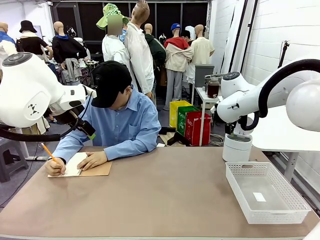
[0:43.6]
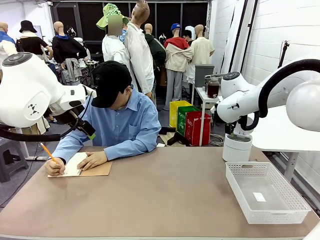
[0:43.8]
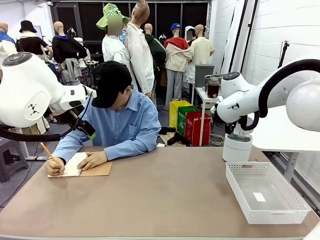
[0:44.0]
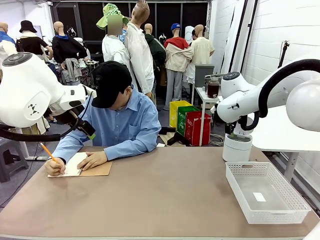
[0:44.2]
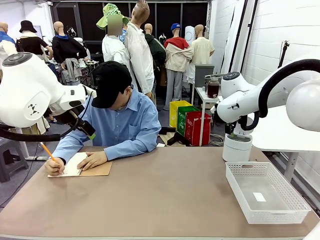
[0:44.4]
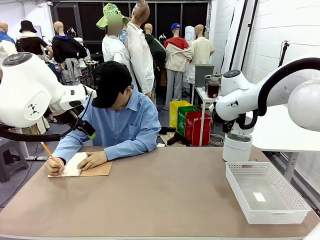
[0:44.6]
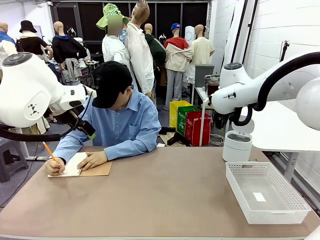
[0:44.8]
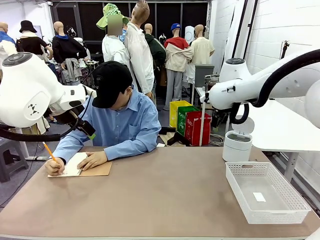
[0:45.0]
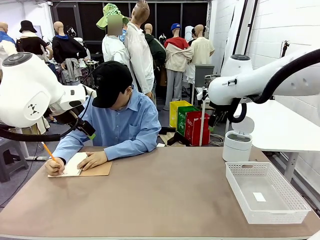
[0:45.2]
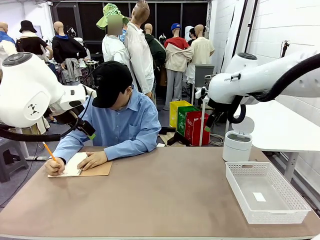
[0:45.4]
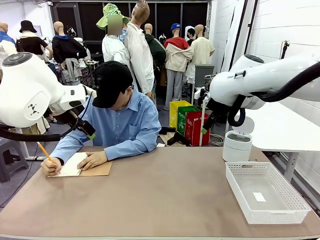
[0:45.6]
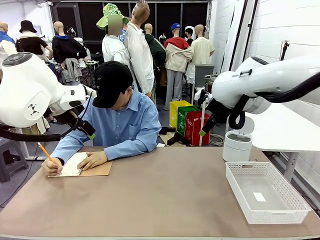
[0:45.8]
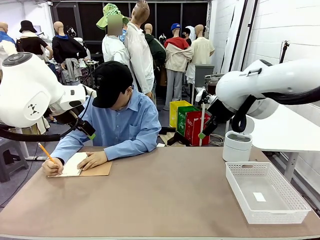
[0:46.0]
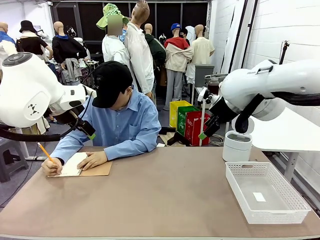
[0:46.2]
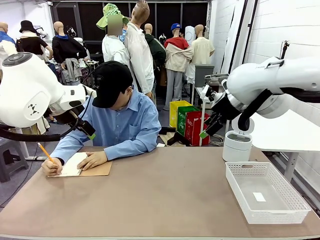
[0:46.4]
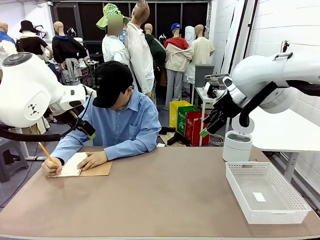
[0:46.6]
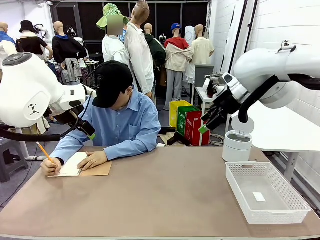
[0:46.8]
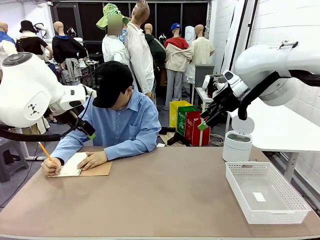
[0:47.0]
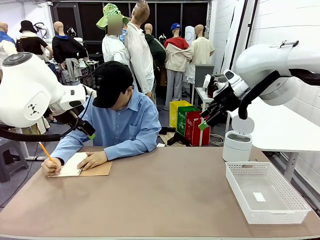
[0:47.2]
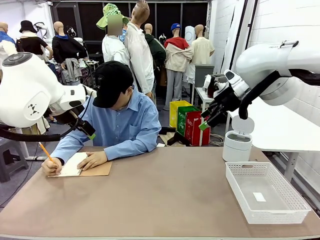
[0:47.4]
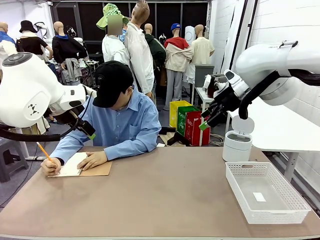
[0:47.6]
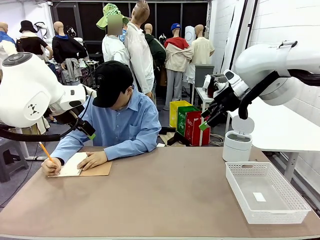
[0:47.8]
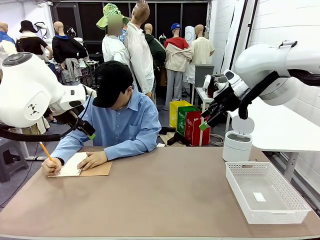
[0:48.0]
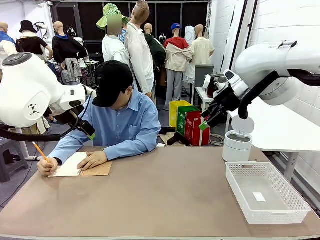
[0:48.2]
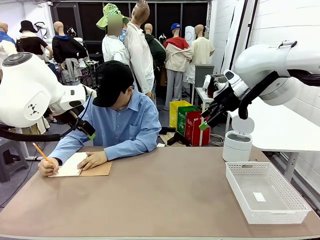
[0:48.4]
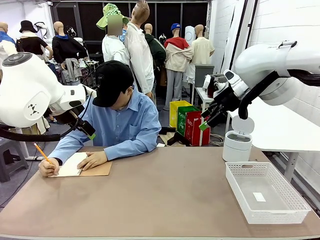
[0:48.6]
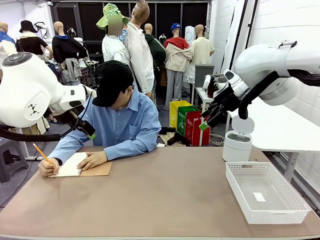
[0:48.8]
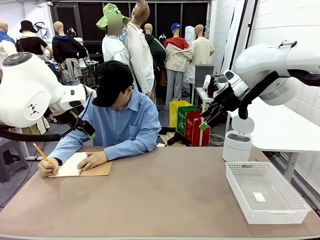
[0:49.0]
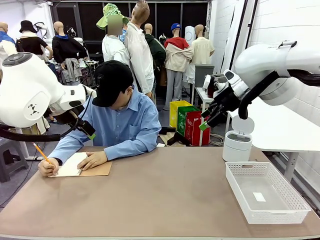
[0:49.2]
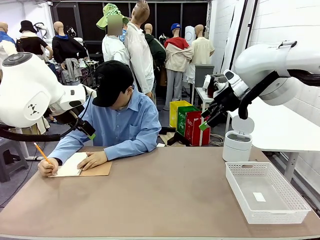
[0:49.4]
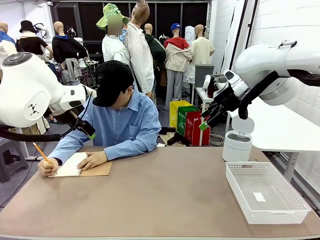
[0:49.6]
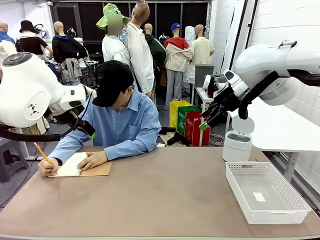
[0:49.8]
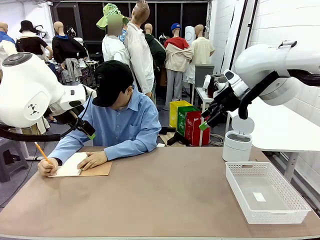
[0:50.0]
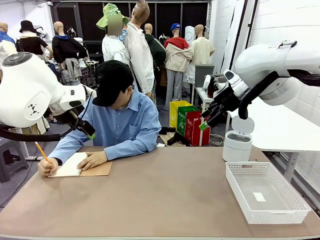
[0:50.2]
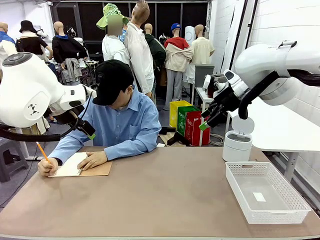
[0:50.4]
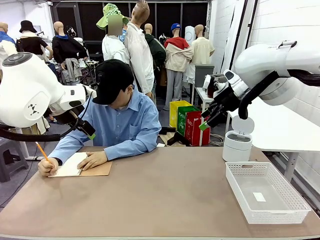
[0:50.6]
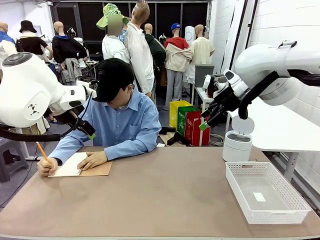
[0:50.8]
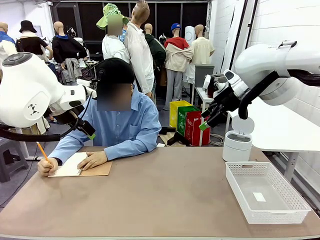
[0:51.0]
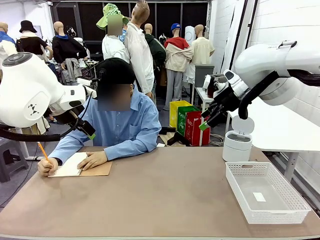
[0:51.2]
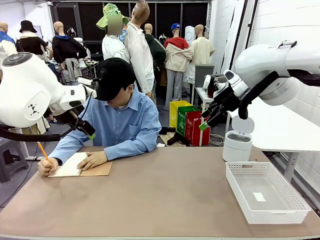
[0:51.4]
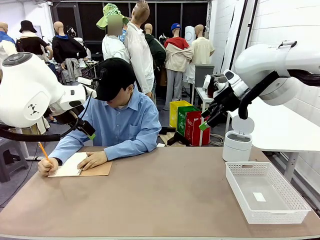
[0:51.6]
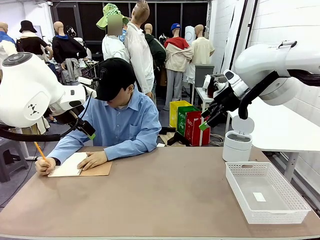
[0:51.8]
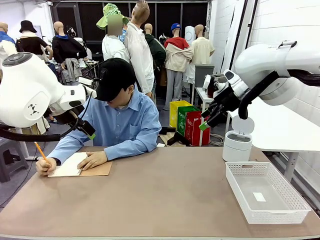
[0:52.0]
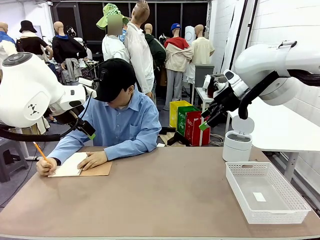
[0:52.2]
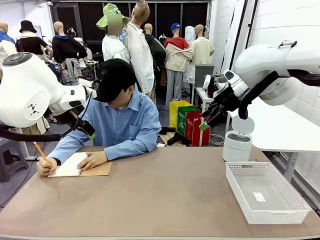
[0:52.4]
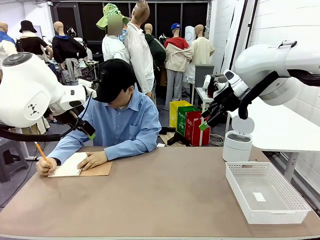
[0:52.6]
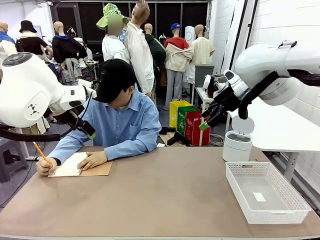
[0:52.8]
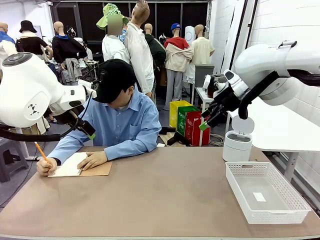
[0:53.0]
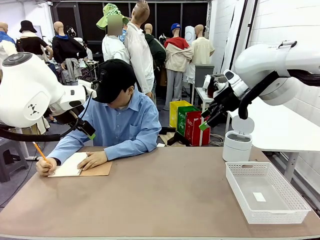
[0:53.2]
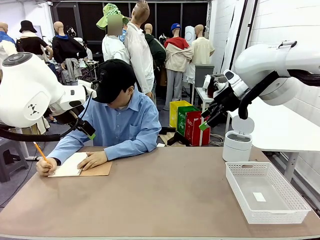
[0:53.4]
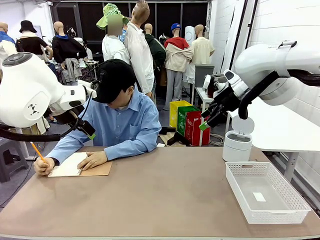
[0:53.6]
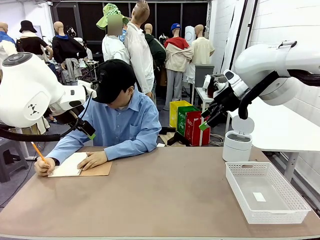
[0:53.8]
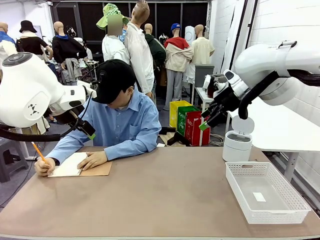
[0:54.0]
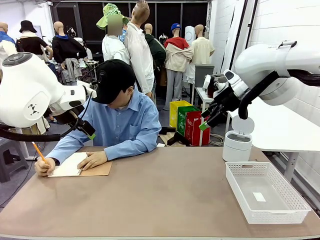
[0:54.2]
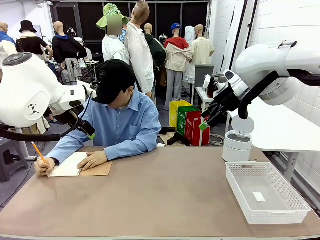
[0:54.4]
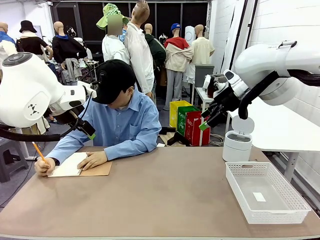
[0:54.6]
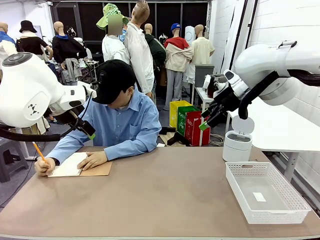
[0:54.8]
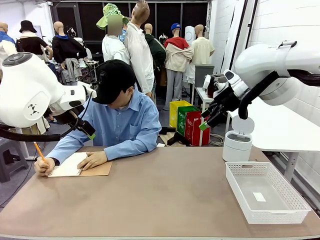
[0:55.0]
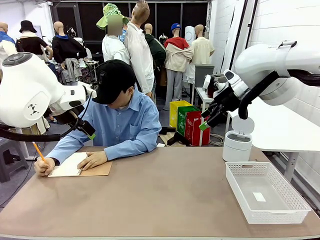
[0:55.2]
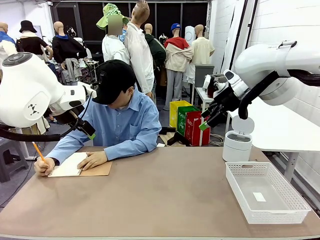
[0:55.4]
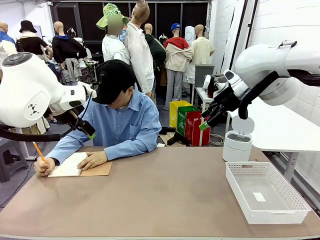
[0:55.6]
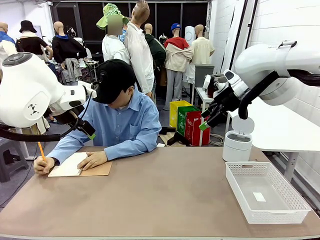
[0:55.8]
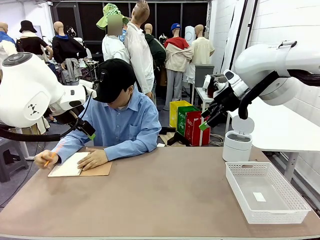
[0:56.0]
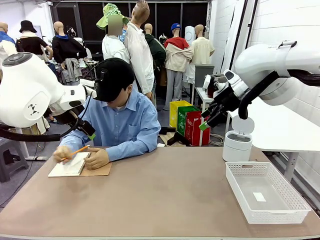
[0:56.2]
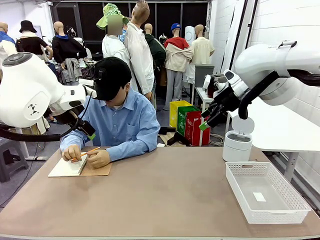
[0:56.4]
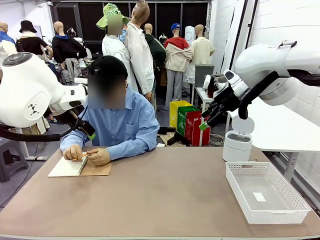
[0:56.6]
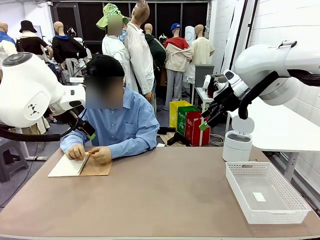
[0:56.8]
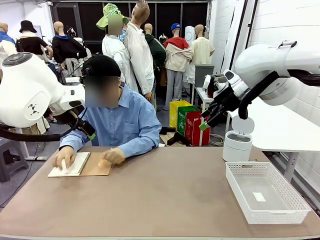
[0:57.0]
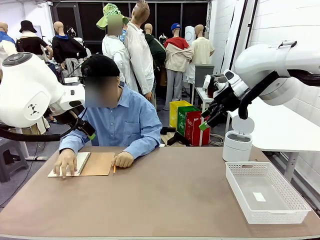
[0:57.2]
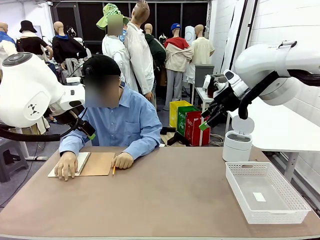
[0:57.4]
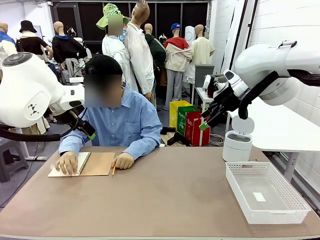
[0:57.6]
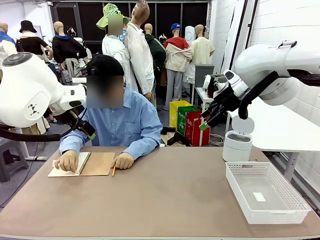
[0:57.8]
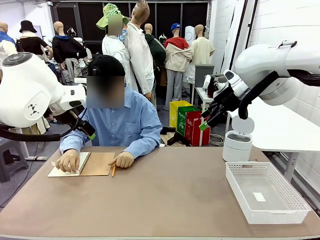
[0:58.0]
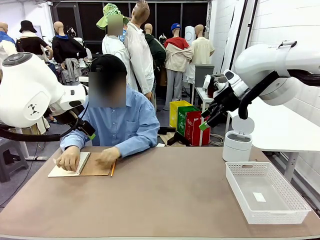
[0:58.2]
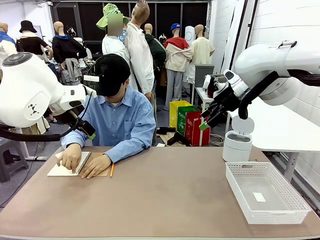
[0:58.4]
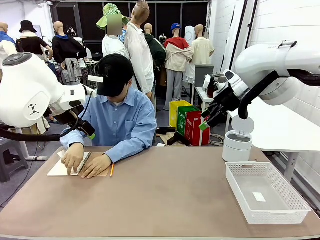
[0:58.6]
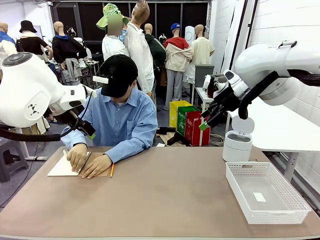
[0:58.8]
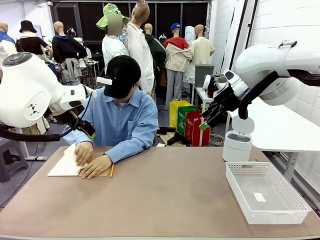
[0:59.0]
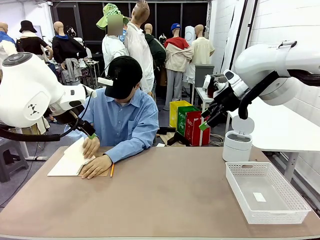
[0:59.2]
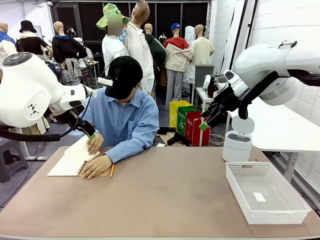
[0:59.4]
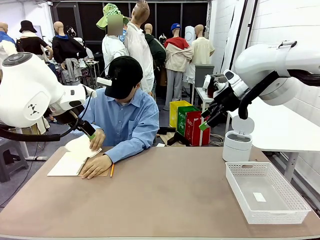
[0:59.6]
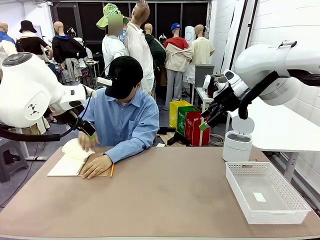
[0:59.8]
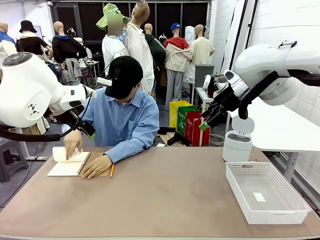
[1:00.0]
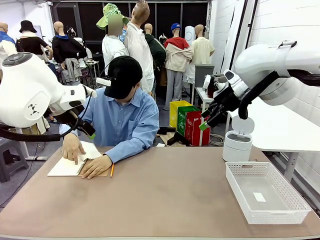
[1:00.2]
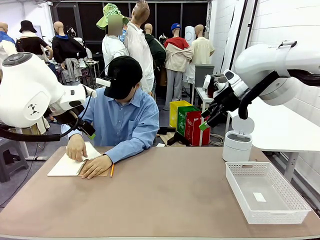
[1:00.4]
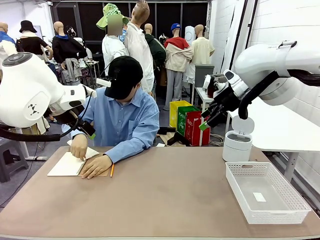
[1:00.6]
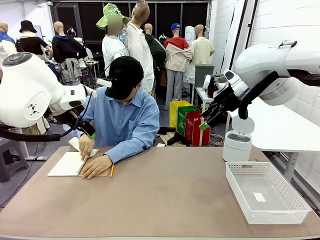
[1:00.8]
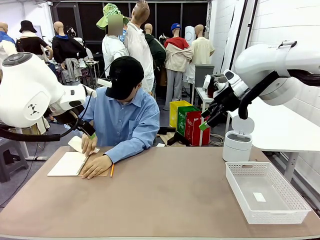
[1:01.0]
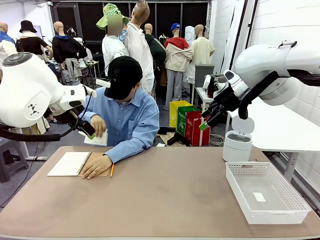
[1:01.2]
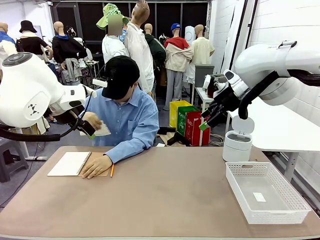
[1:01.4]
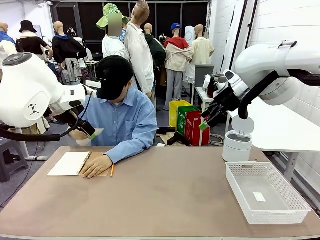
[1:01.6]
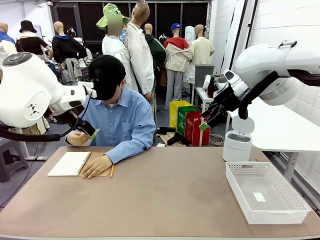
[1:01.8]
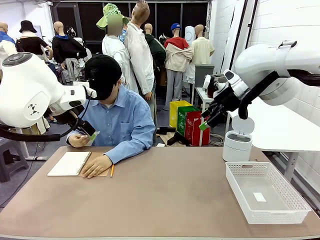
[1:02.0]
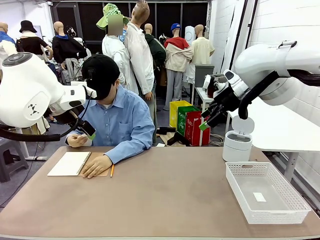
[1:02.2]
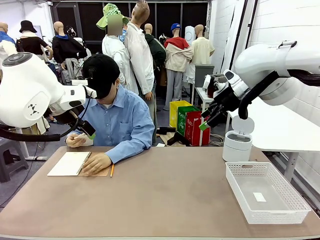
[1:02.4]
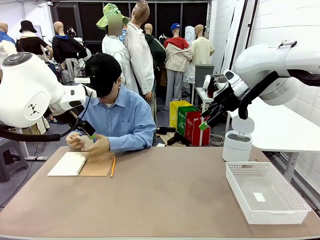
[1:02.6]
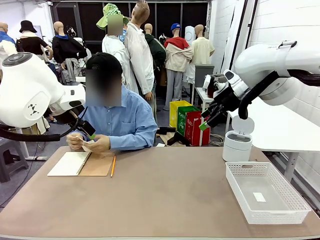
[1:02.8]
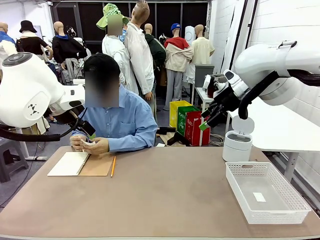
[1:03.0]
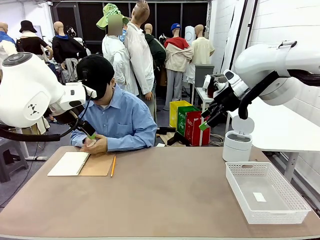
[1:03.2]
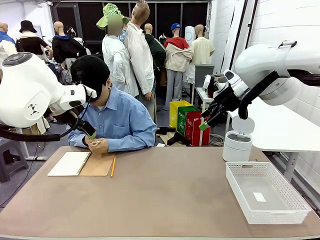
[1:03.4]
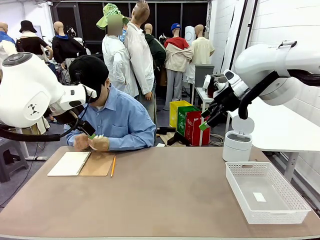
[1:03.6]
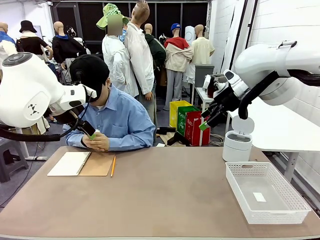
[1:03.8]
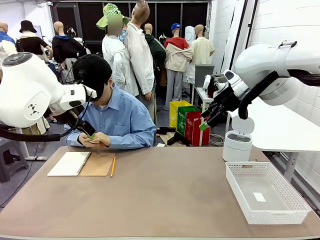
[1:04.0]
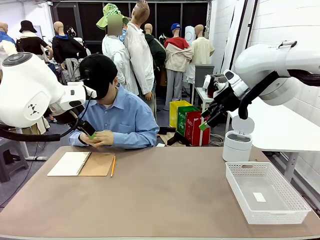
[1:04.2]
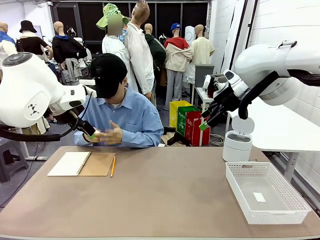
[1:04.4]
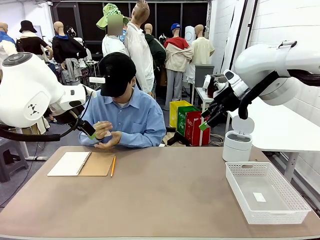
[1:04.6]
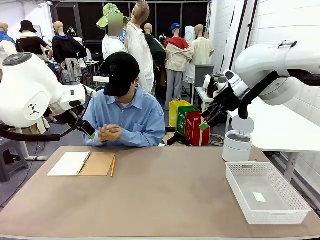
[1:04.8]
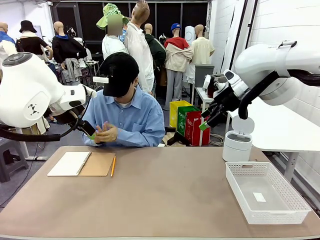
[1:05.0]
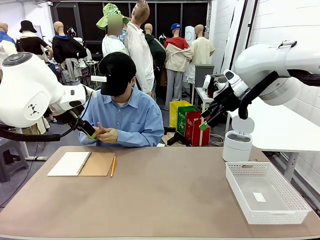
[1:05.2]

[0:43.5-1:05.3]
Task: Sort the paper based on its condition.
Robot: If a person hands you a paper, place it in the Organizing basket , and if it's crumpled, put it in the Trash can.
Person: Tear out a page from the spiral notebook. Hand the torn page to the robot or crumple it and throw it to the center of the table.
